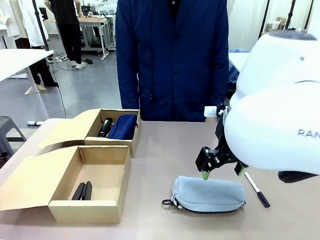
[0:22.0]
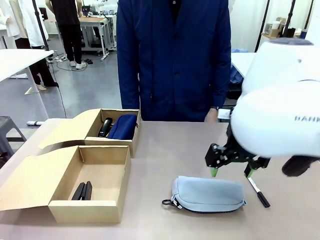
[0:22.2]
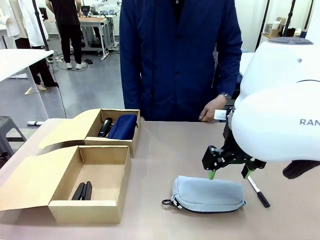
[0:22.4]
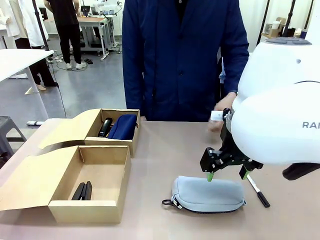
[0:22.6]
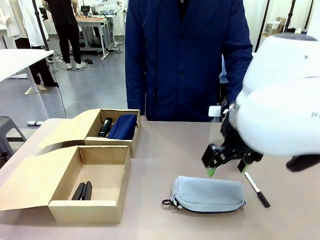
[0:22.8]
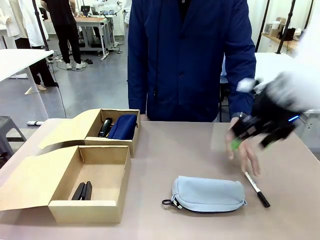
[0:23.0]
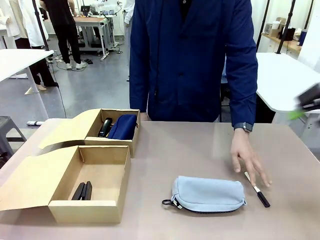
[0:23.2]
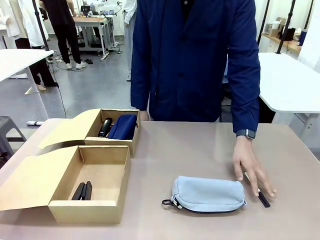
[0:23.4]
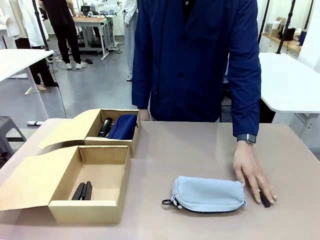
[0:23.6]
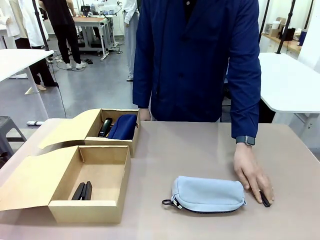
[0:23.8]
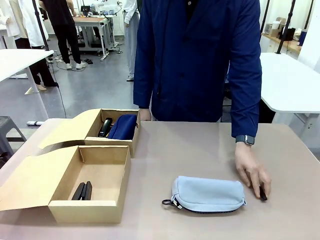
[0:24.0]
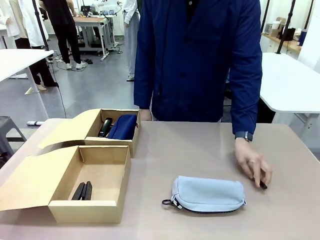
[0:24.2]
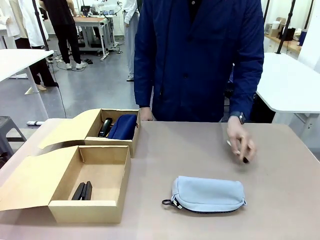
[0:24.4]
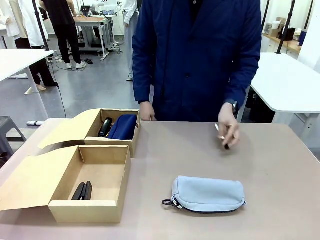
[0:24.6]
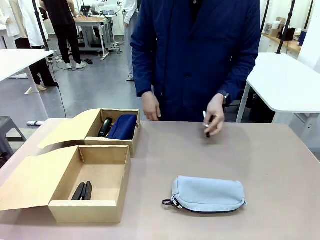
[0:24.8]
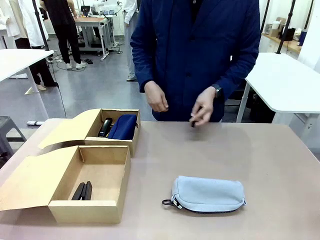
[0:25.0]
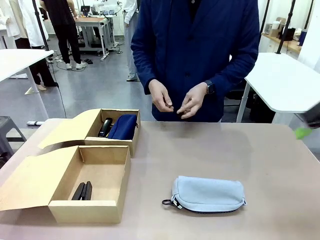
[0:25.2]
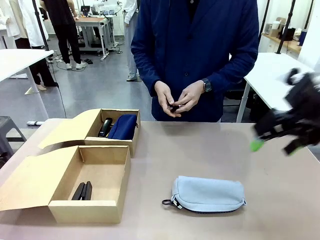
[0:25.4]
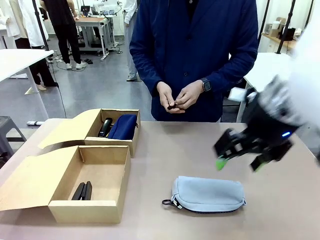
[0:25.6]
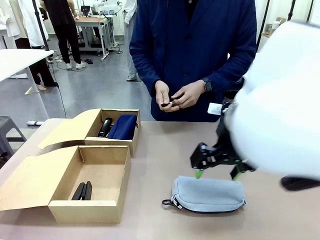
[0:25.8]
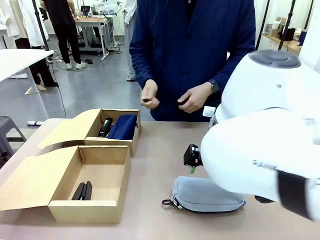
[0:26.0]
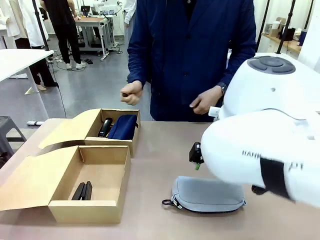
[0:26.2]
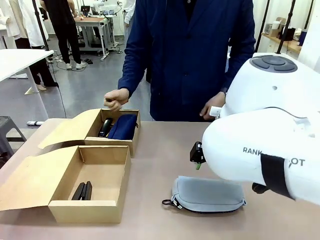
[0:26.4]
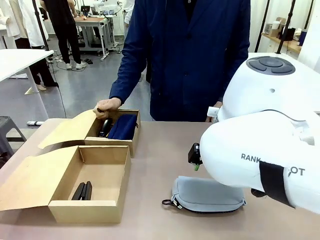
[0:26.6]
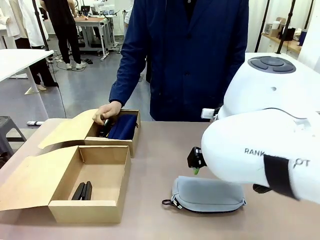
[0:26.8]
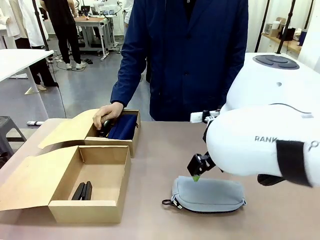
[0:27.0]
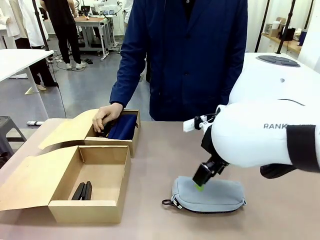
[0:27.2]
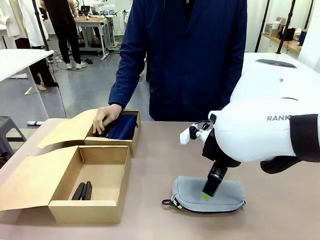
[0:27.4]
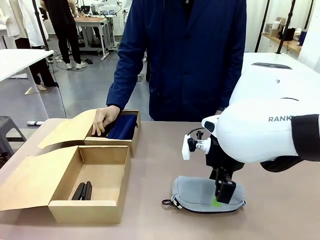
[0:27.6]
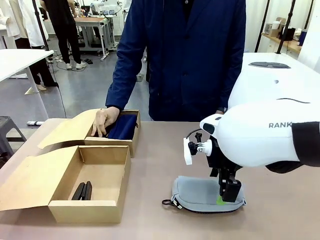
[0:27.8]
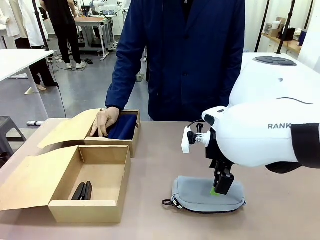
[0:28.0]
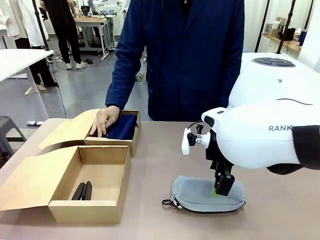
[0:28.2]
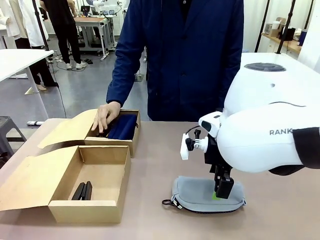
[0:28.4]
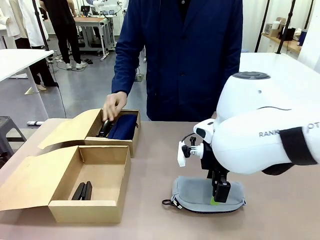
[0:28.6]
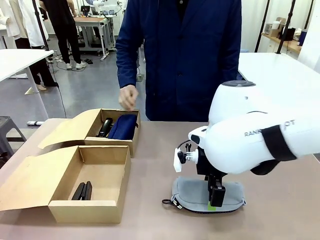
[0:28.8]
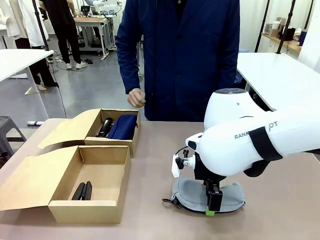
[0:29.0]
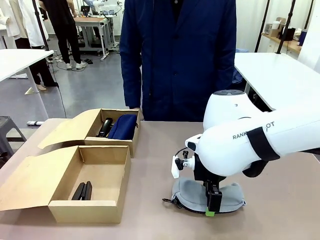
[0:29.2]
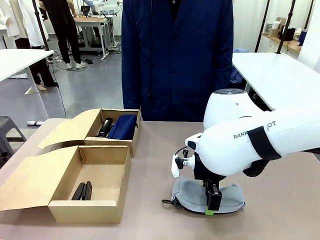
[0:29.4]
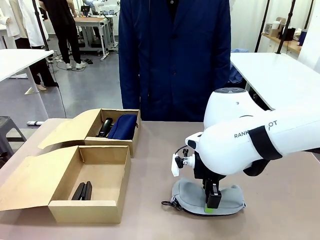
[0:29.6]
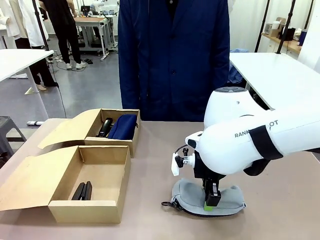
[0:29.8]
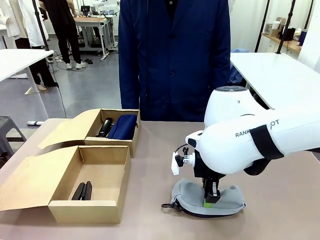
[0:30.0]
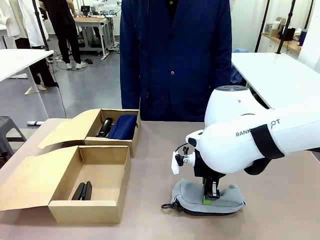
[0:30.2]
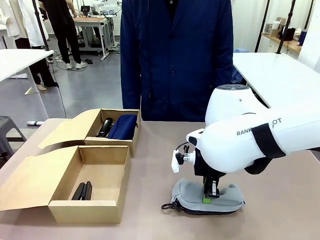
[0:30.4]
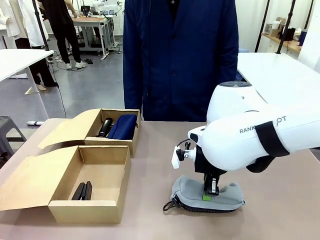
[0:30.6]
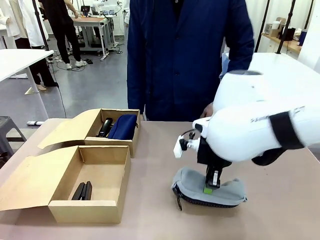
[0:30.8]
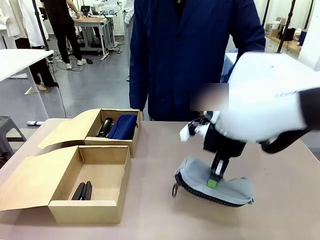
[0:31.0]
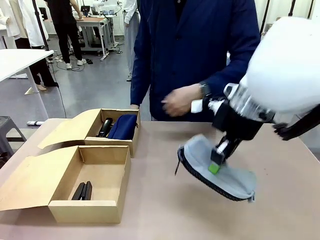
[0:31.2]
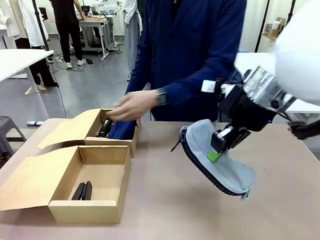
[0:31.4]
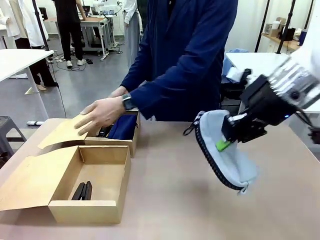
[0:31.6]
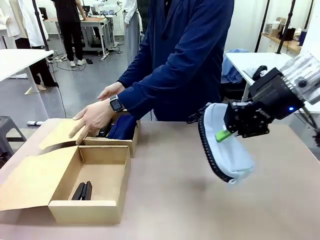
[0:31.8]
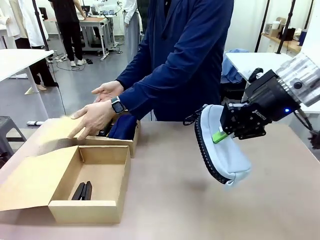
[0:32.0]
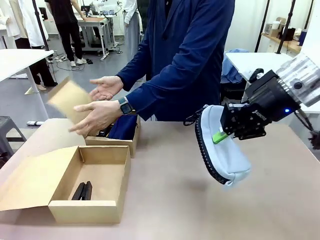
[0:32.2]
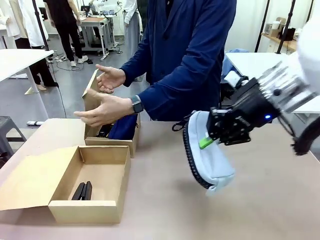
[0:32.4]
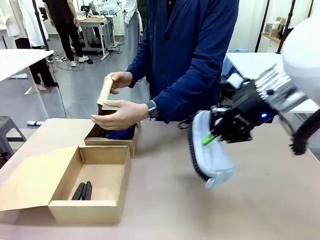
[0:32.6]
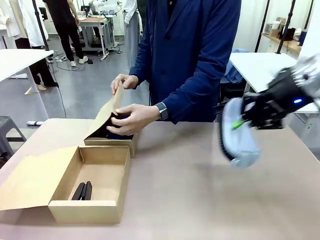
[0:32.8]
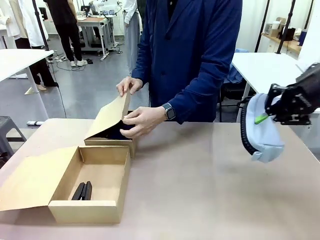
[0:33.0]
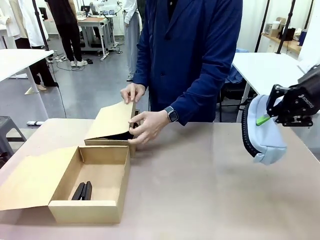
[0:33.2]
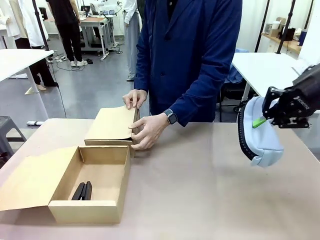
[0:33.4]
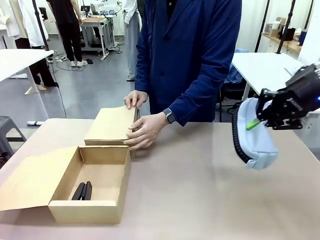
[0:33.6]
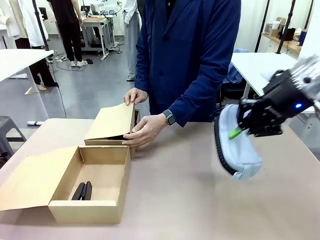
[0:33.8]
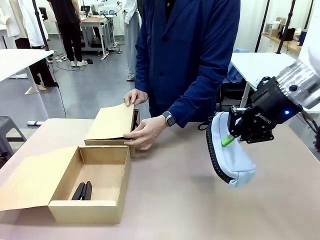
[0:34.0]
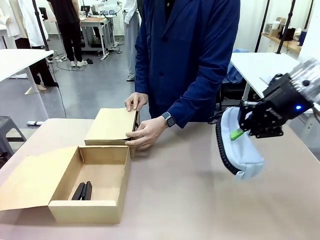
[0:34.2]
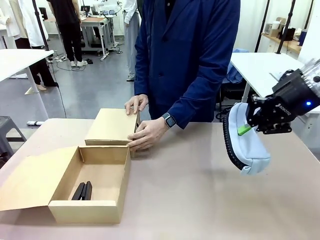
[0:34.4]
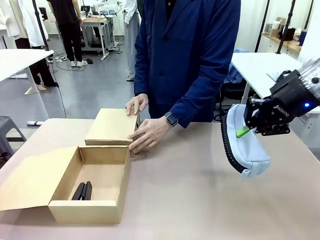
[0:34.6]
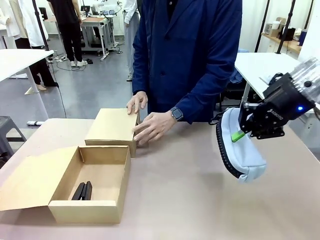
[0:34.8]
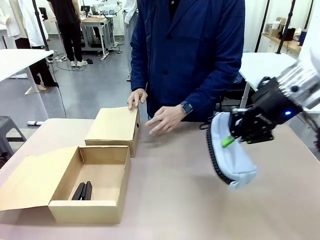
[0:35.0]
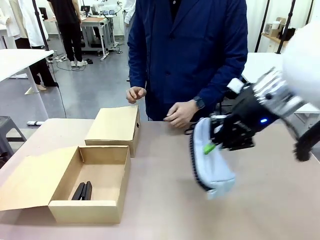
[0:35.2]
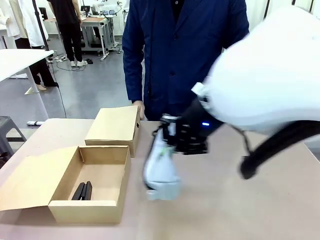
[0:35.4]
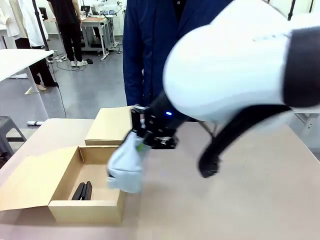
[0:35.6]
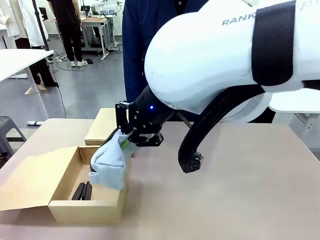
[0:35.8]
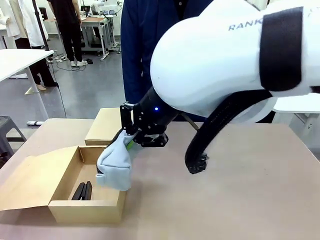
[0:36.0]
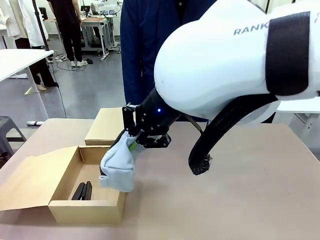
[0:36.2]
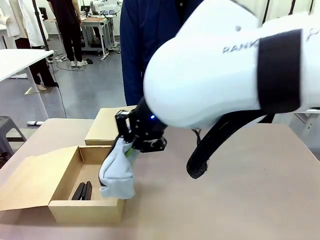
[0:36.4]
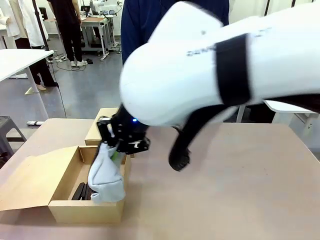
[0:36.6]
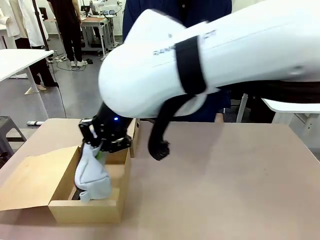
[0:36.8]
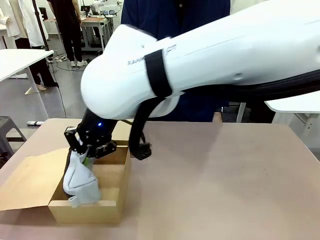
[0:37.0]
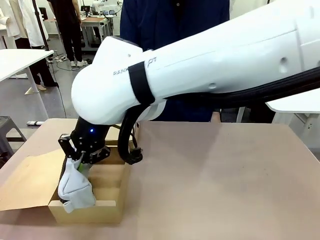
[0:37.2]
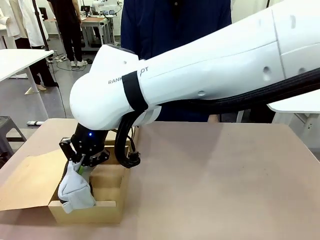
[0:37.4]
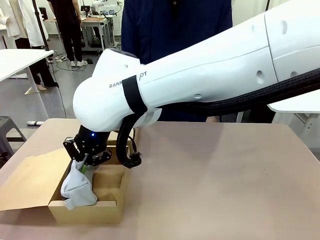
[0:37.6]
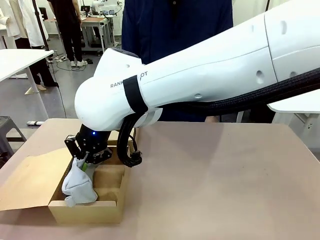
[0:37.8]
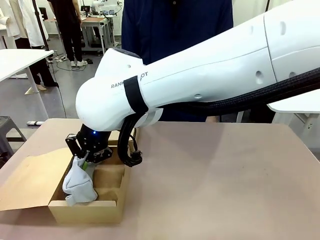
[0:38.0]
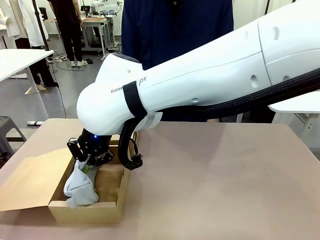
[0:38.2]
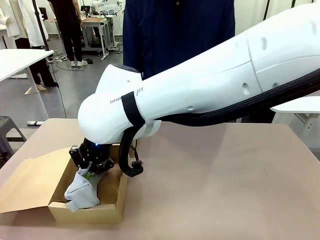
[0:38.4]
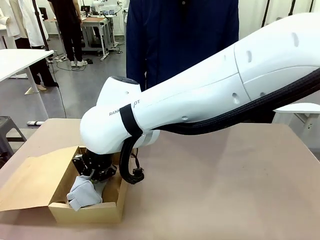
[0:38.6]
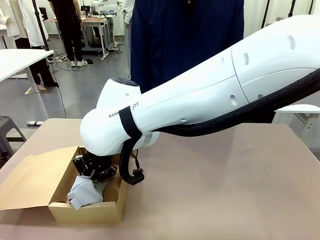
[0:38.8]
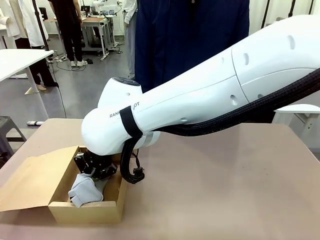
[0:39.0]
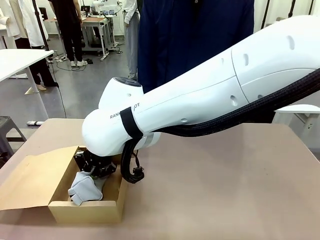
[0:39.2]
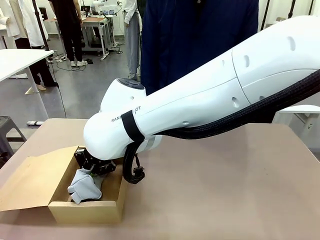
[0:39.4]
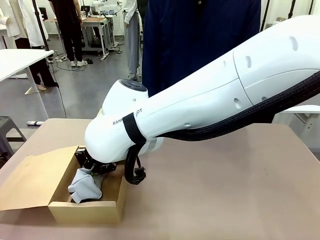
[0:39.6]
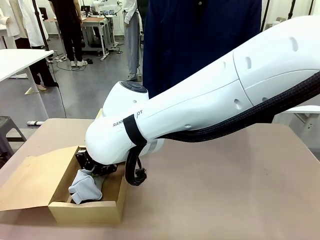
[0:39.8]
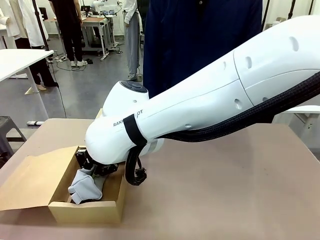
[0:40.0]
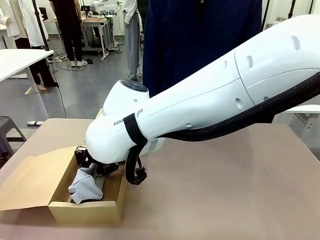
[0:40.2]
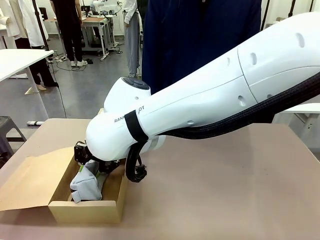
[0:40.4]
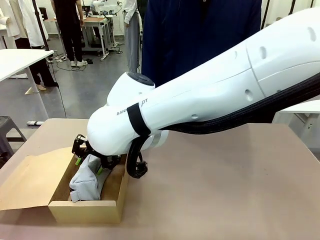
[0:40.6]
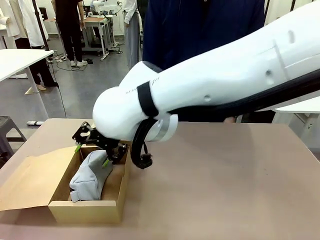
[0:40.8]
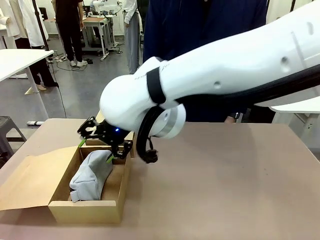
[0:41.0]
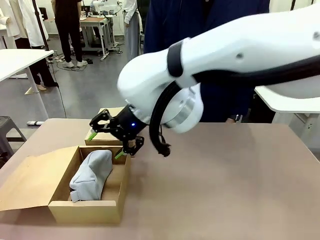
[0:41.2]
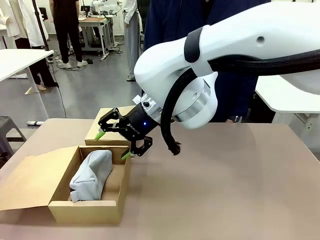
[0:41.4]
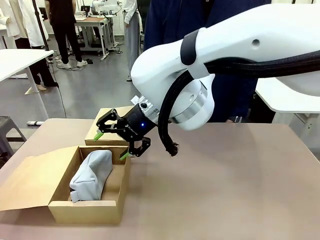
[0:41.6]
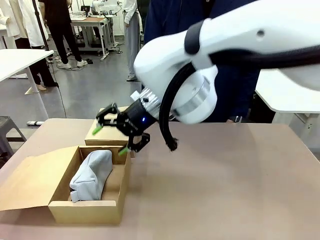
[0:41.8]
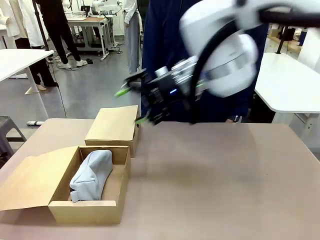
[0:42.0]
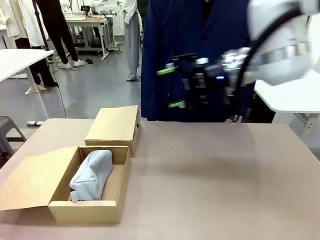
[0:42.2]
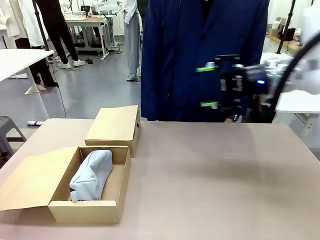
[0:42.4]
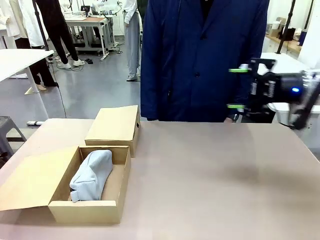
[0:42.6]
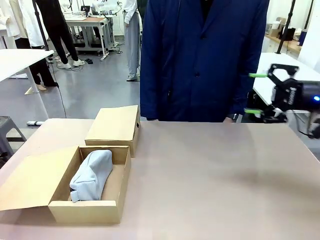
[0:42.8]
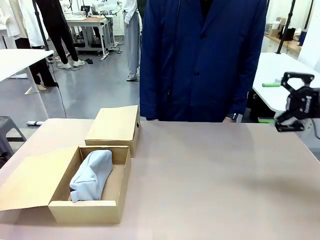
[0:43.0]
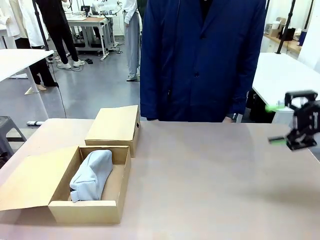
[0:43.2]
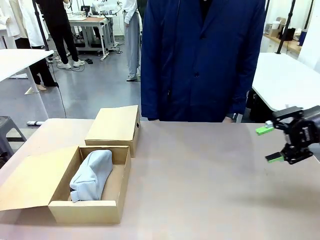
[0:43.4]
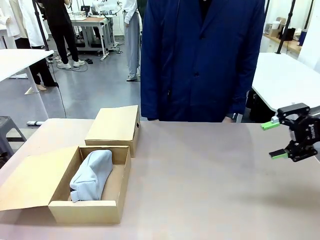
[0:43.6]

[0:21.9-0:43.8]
Task: Place items inside the box.
Robot: Pick up a Pencil pouch or Stapler and place it inside the Mailer Box closest to the robot.
Person: Close the lid of the box facing the person.
